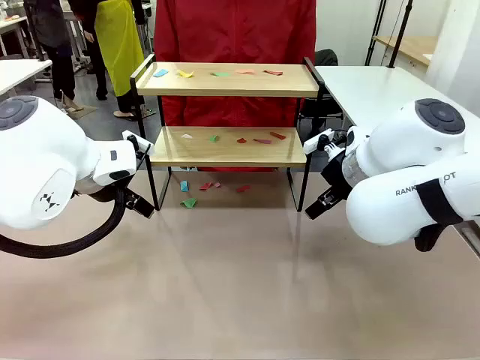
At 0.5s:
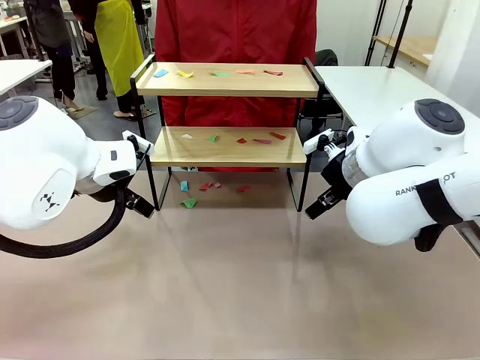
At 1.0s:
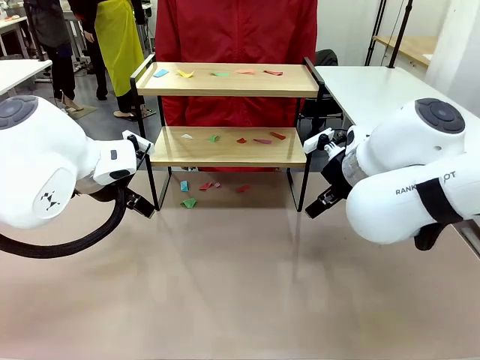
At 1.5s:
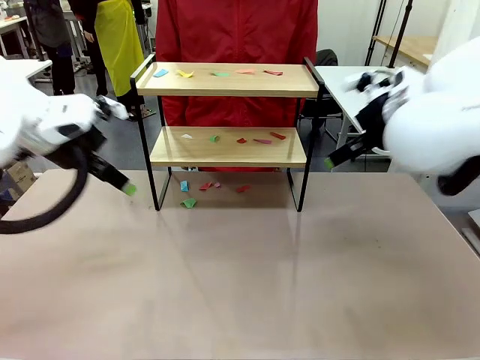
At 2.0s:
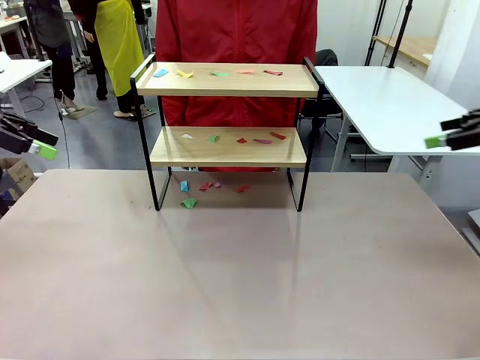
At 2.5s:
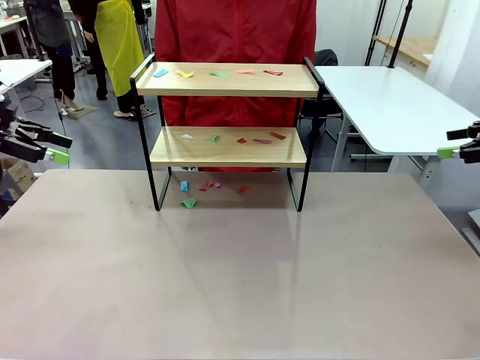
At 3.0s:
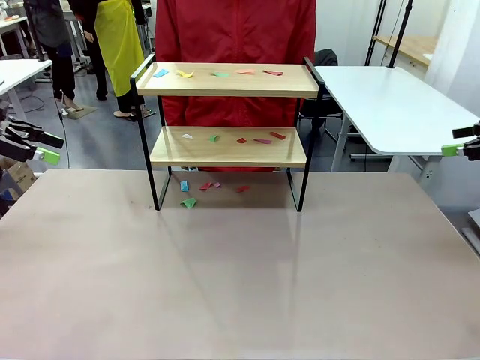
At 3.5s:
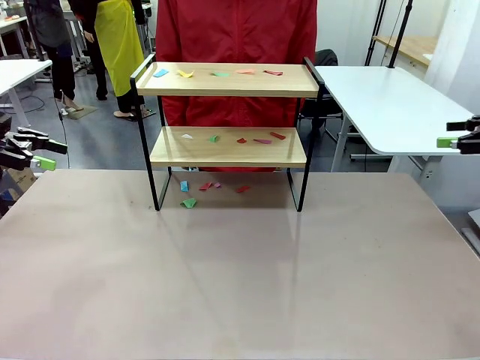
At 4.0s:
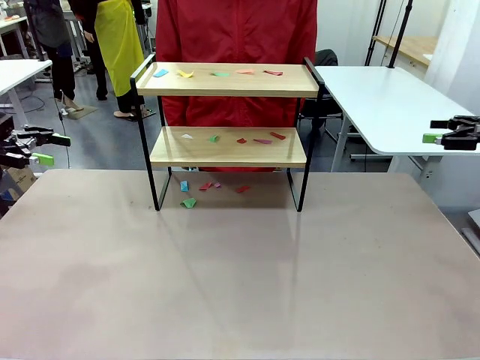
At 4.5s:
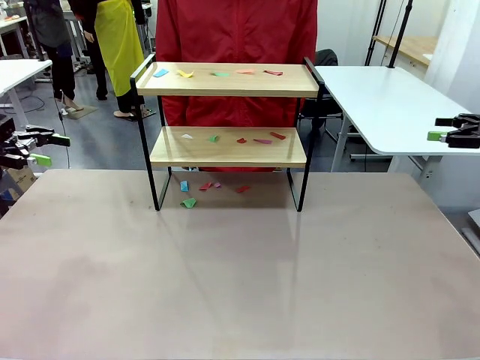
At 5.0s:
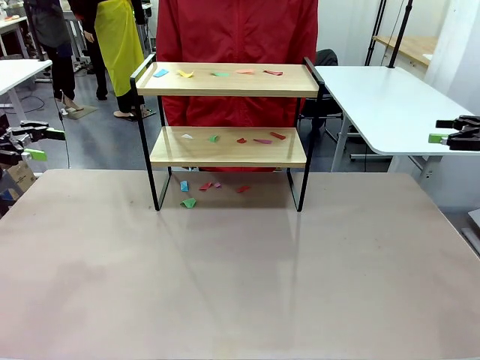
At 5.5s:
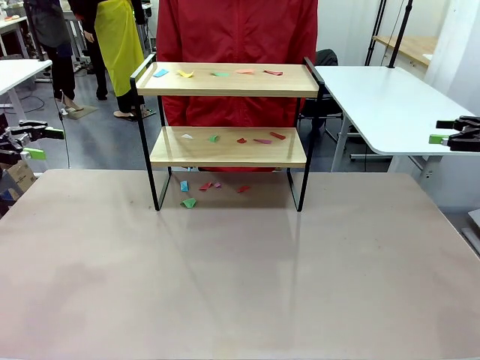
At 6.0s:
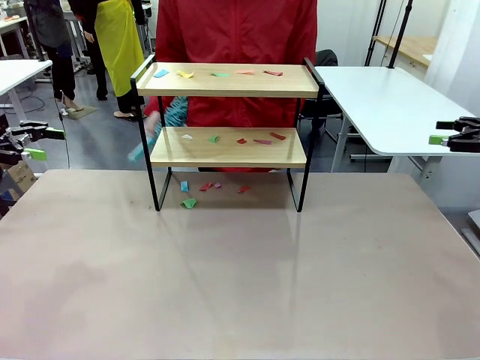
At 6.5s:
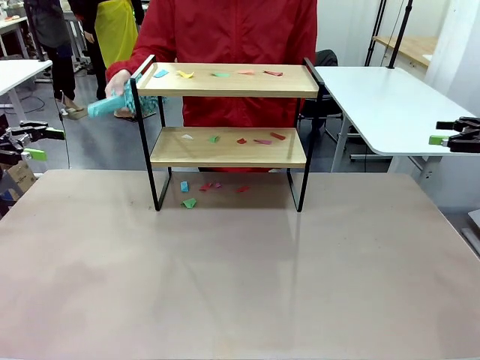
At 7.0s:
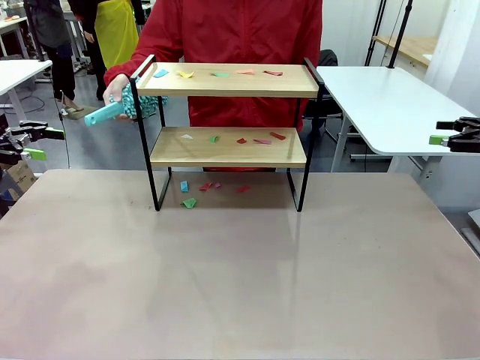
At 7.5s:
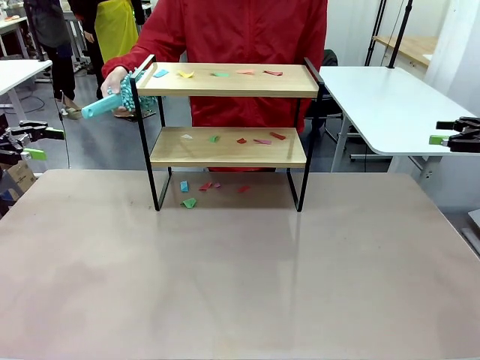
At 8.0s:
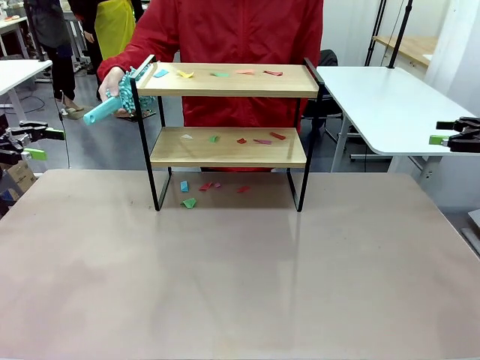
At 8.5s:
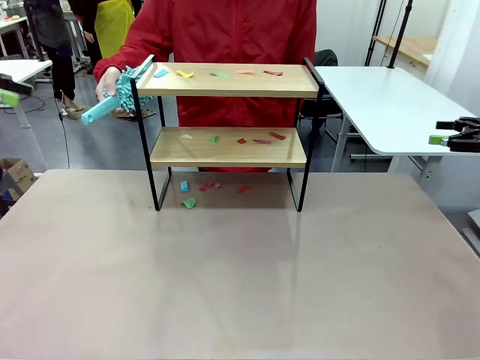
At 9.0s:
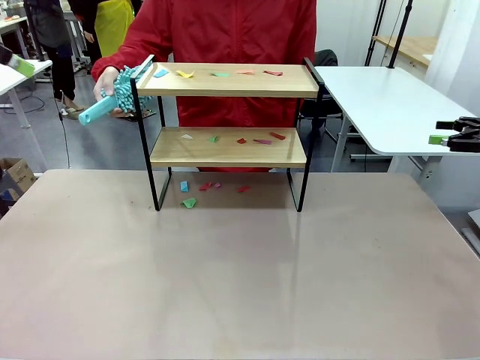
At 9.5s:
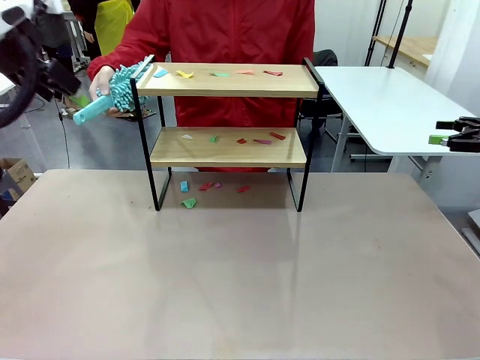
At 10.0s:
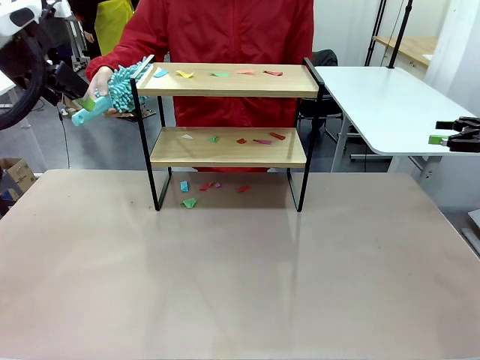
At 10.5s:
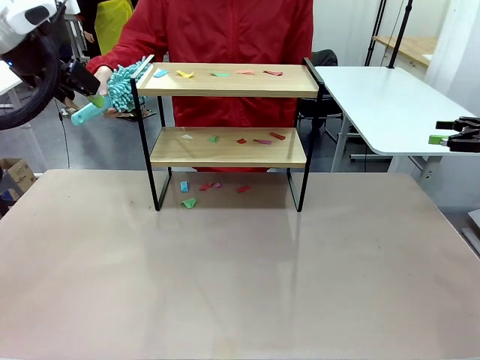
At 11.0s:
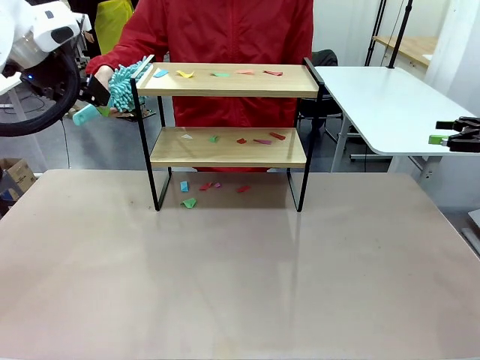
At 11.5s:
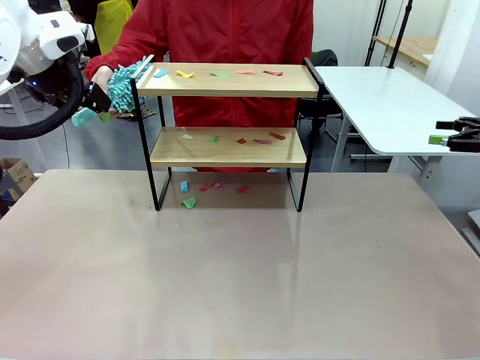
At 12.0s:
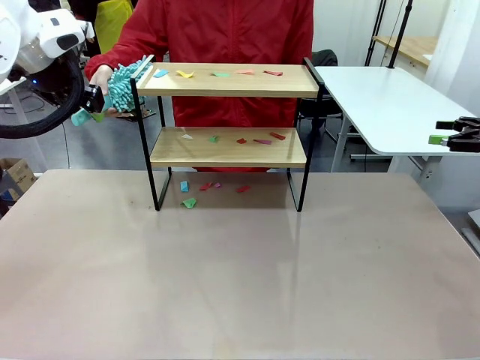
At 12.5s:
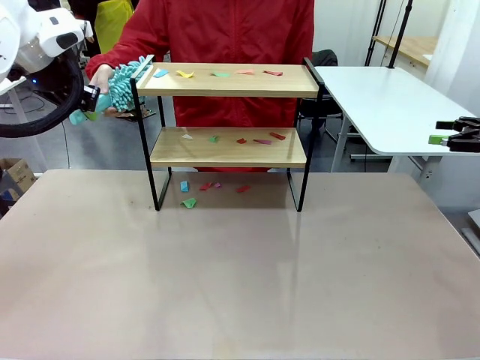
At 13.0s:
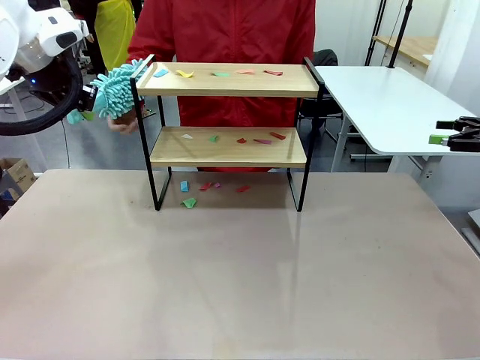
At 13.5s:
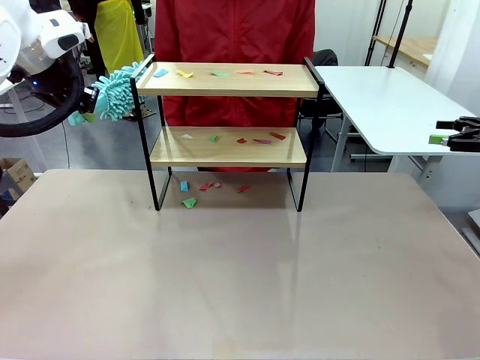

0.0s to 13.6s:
Task: Clean the shelf.
Robot: Pick up the Duster handed by the human.
Person: Hand the Duster to the robot.

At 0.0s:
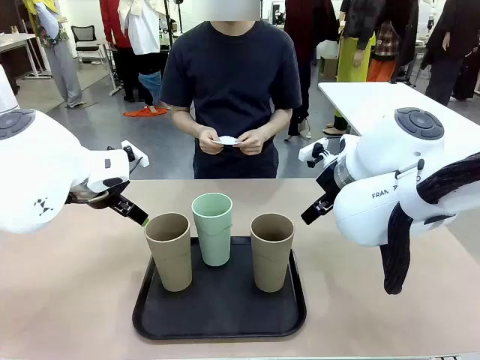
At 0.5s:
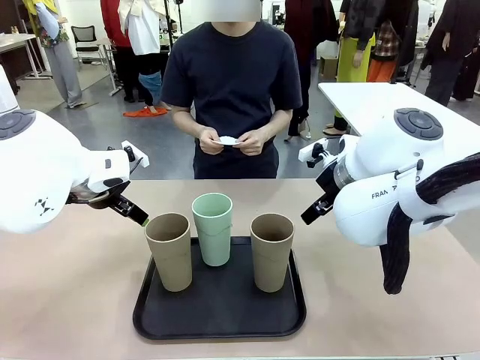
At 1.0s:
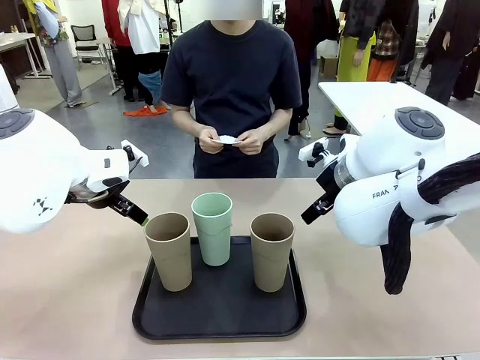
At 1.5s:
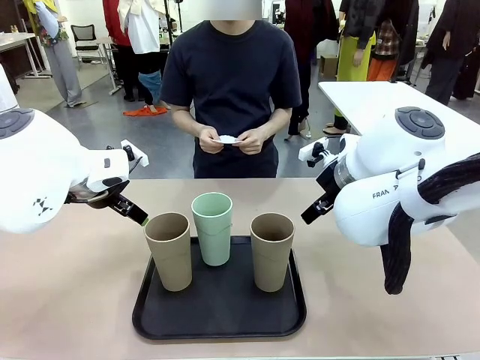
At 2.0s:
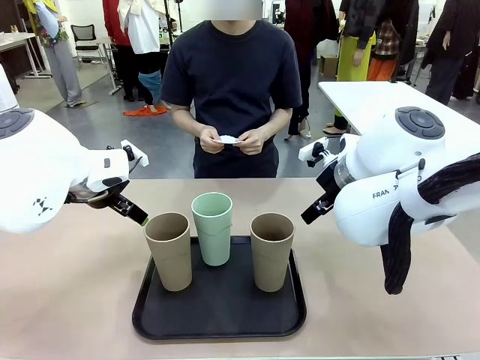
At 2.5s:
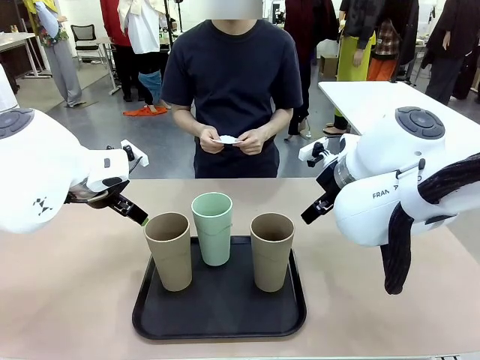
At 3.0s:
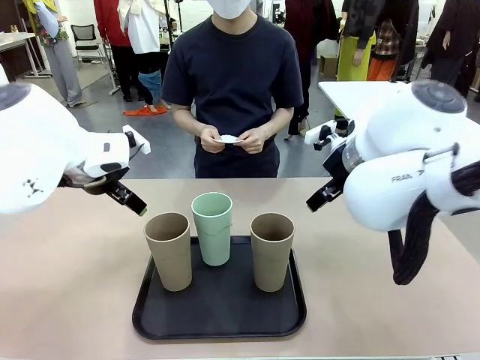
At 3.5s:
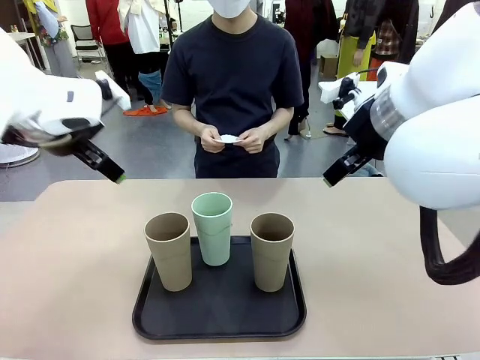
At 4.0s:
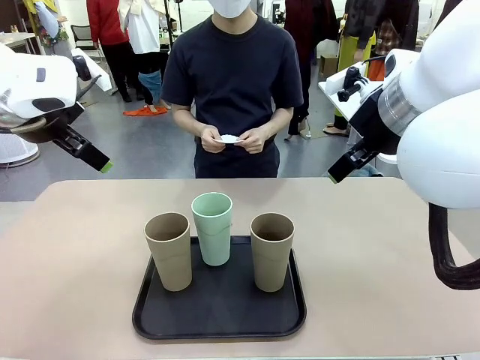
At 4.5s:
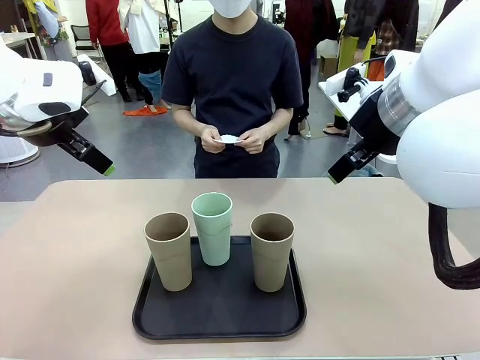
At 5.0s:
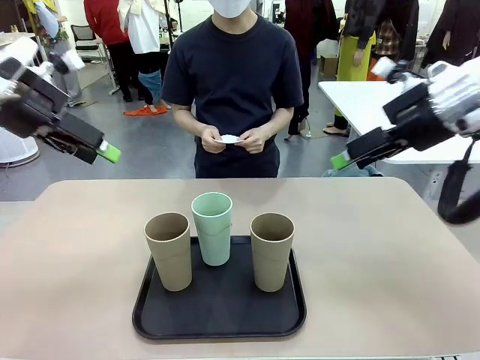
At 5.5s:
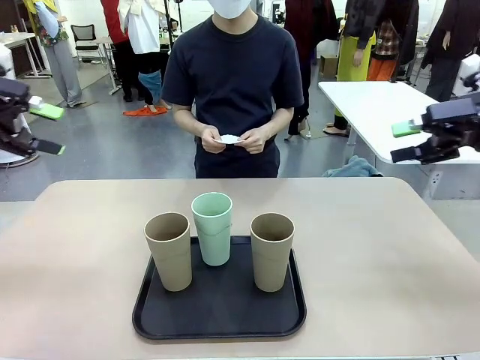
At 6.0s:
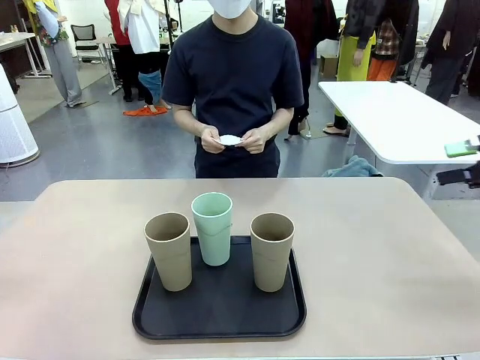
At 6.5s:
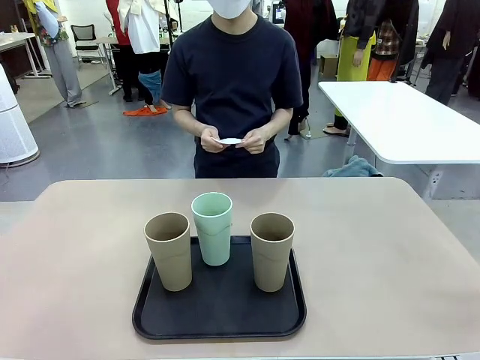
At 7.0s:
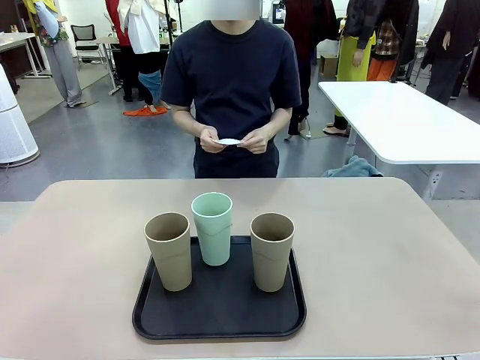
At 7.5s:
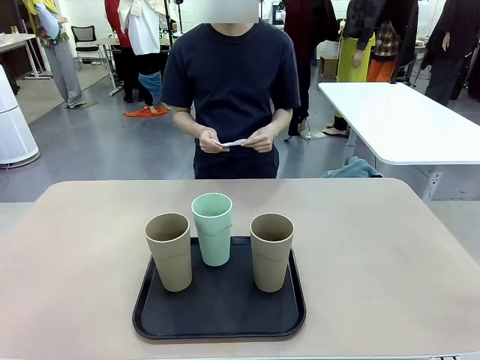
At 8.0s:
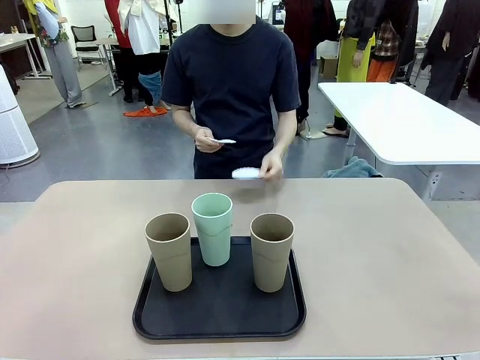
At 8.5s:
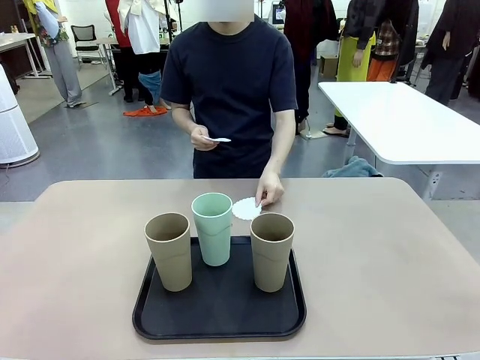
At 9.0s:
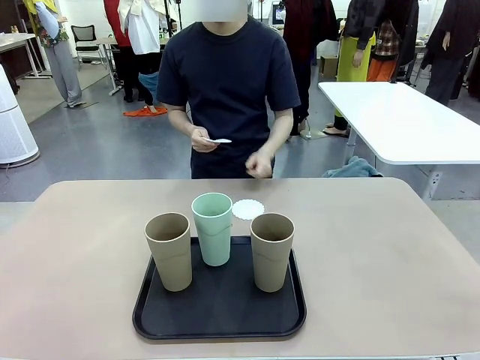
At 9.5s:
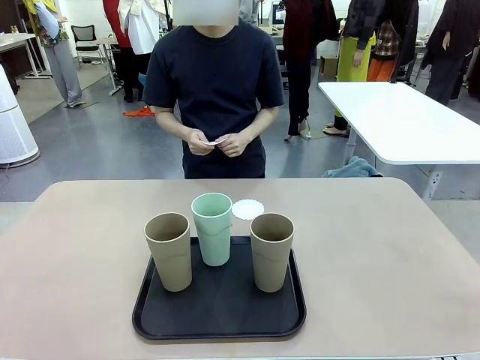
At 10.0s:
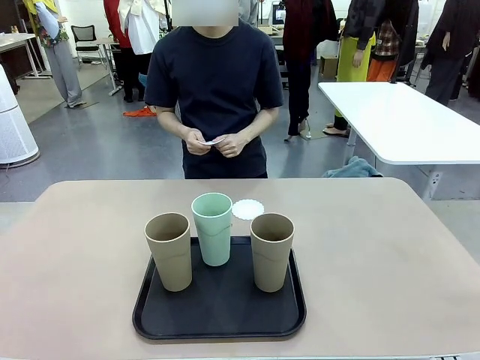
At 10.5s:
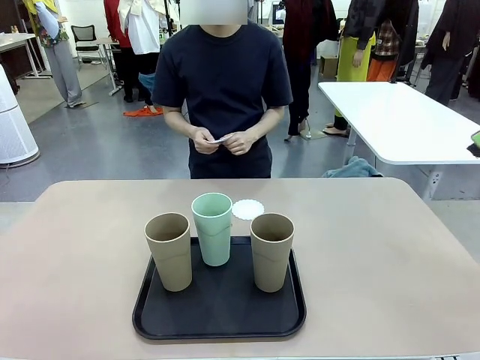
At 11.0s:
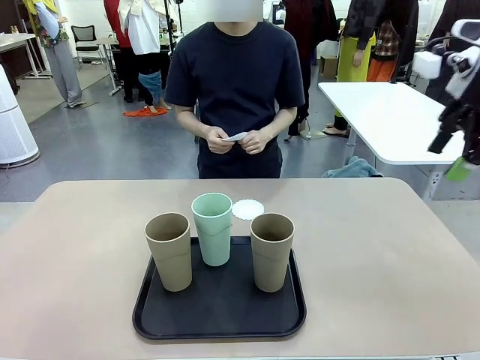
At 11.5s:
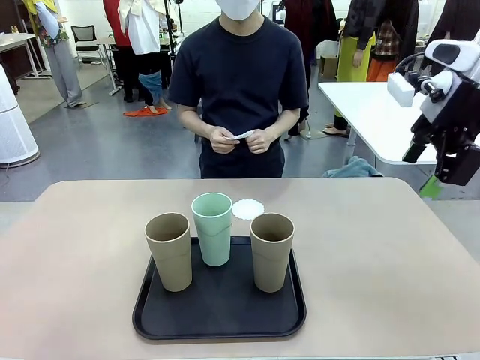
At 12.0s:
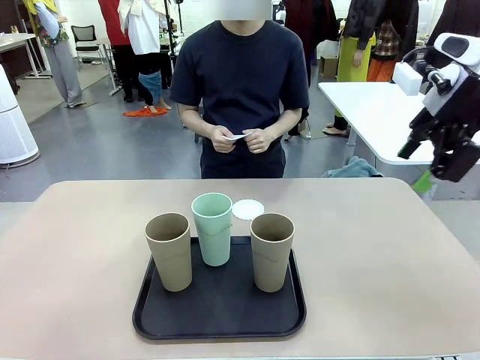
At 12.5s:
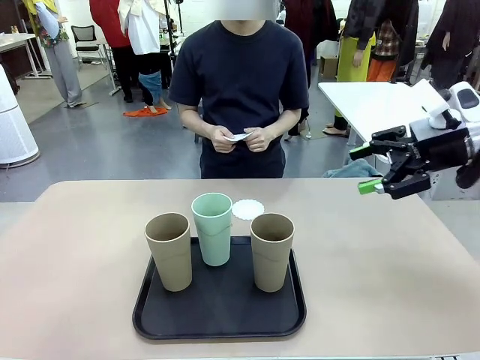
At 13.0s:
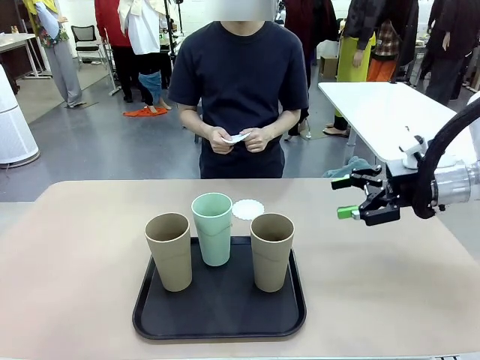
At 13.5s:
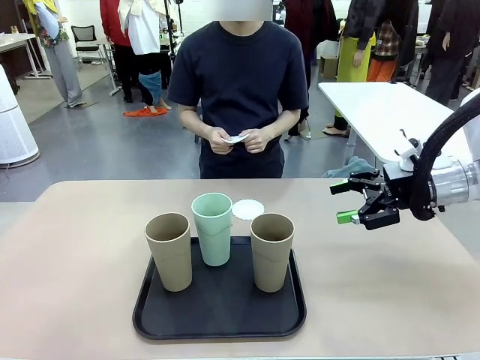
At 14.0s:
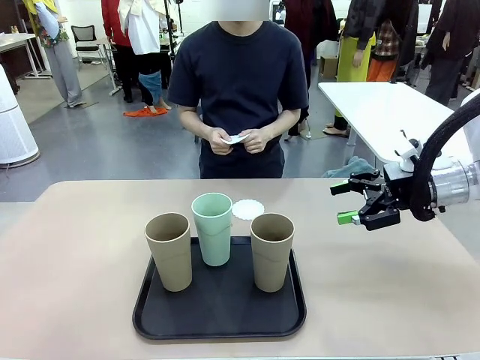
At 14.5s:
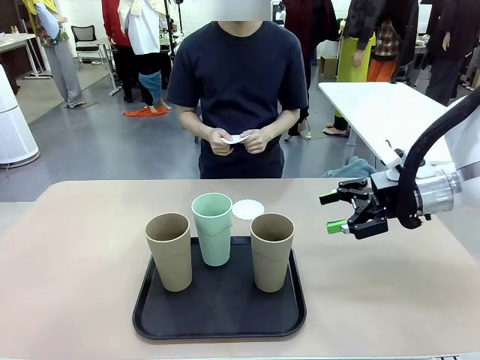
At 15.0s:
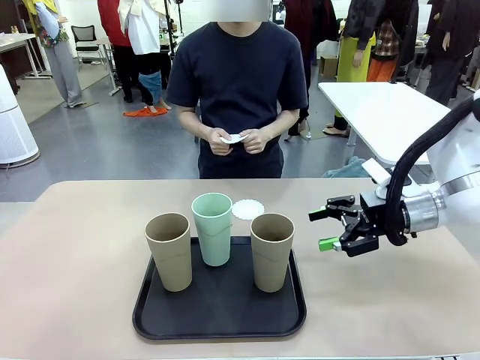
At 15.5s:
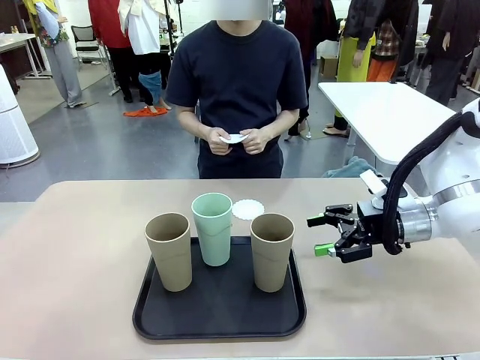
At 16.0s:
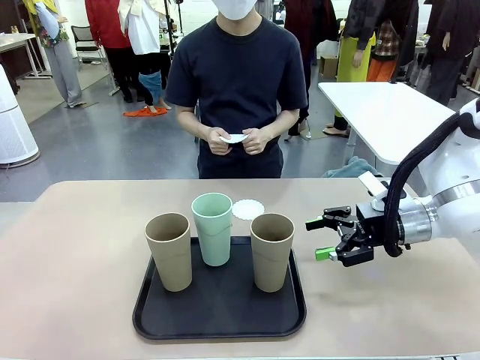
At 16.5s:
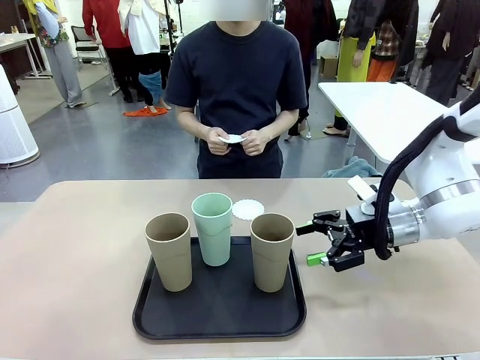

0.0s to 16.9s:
Task: Place coasters on the table and set cups on them.
Robot: Pick up one Reusable plastic cup and place it on a coaster set by the human.
Person: Place one coaster in any one of the three lower areas of the robot table (left, center, or right).
